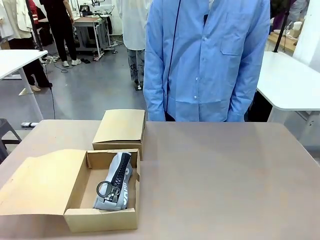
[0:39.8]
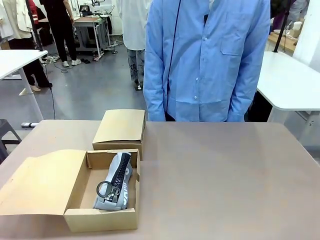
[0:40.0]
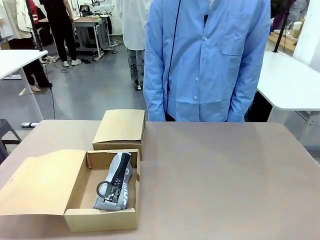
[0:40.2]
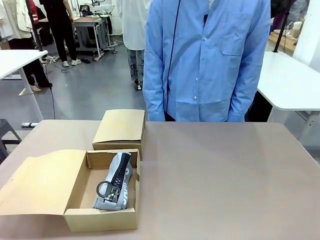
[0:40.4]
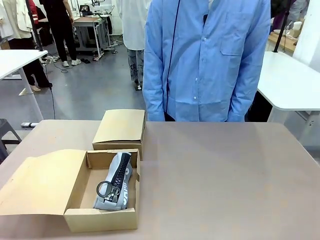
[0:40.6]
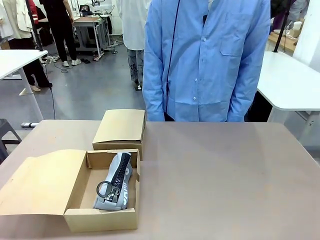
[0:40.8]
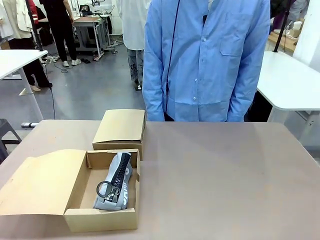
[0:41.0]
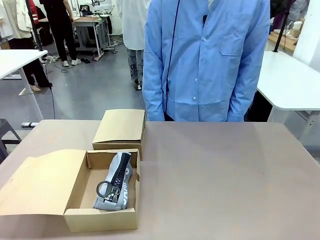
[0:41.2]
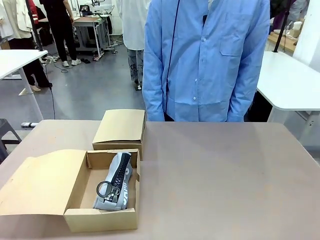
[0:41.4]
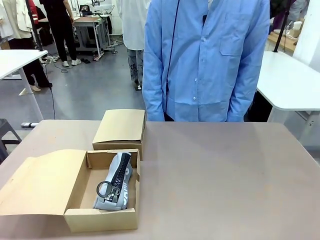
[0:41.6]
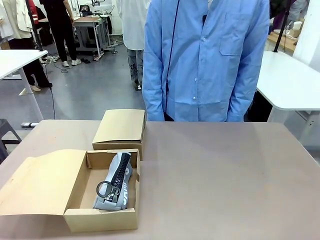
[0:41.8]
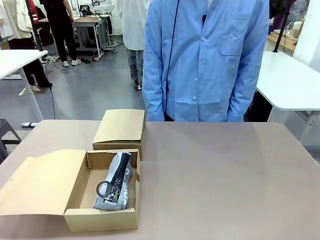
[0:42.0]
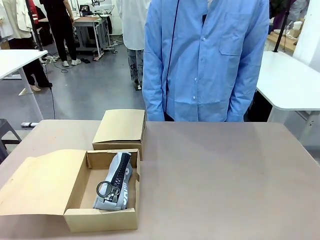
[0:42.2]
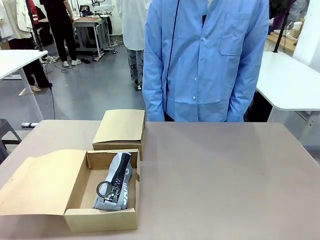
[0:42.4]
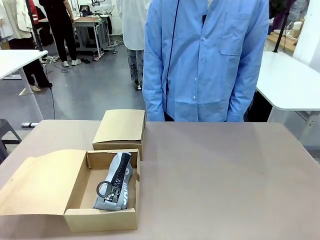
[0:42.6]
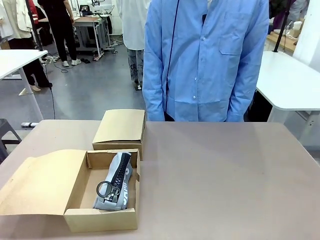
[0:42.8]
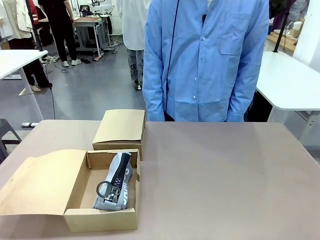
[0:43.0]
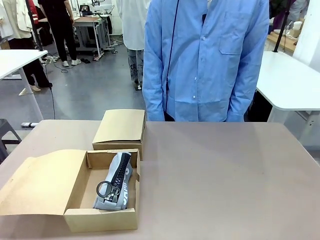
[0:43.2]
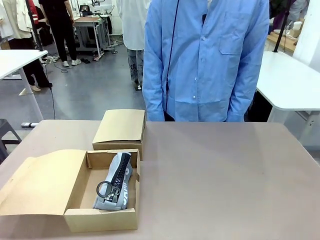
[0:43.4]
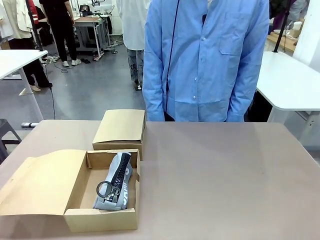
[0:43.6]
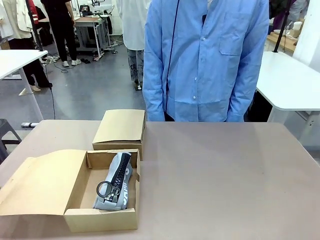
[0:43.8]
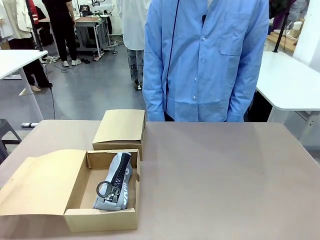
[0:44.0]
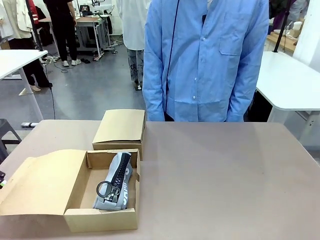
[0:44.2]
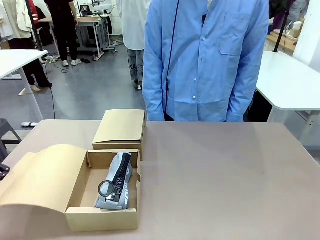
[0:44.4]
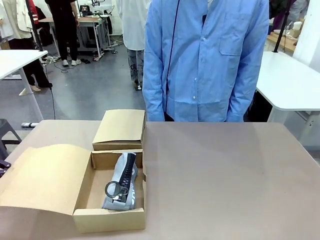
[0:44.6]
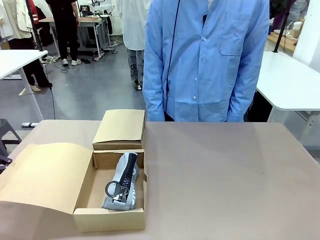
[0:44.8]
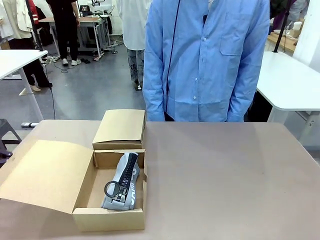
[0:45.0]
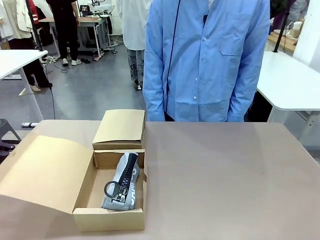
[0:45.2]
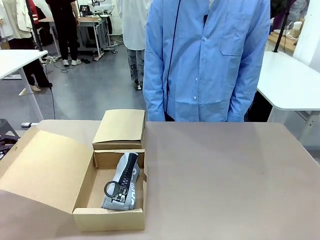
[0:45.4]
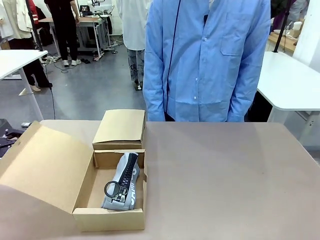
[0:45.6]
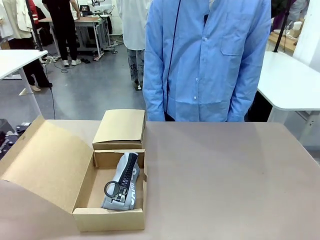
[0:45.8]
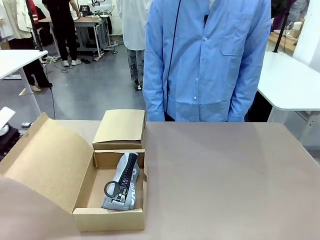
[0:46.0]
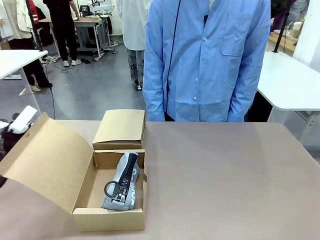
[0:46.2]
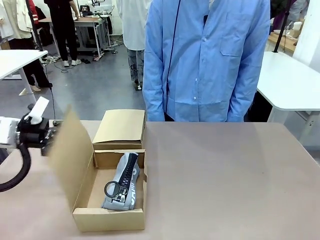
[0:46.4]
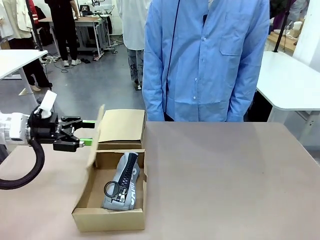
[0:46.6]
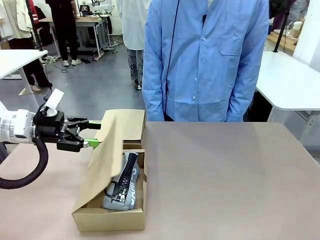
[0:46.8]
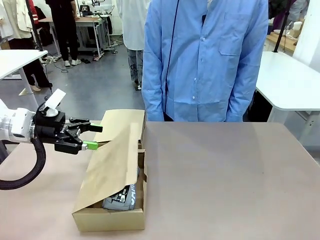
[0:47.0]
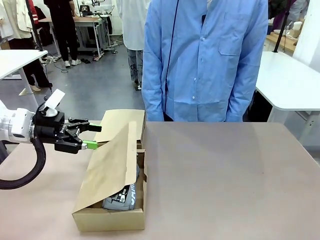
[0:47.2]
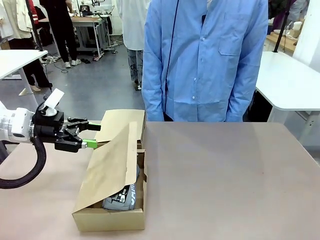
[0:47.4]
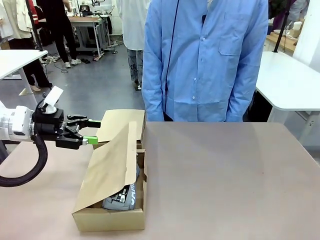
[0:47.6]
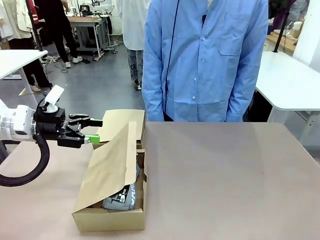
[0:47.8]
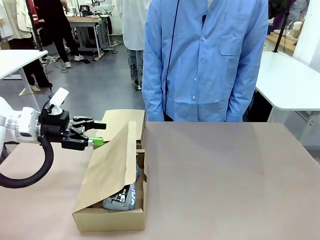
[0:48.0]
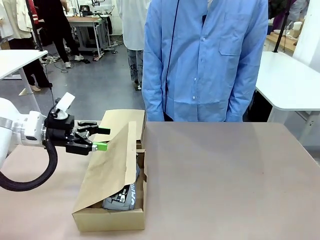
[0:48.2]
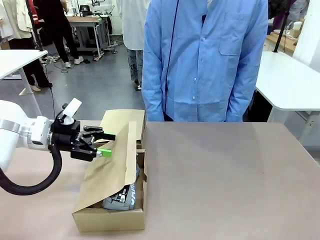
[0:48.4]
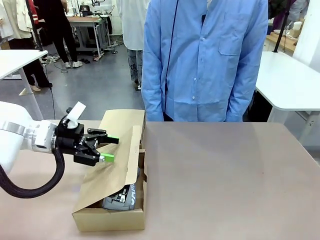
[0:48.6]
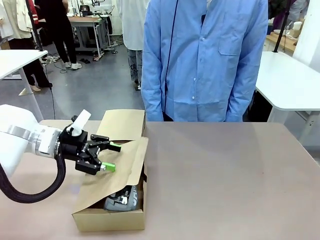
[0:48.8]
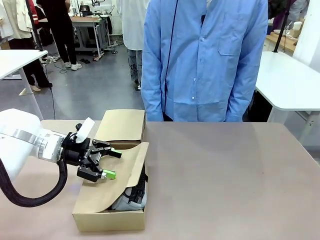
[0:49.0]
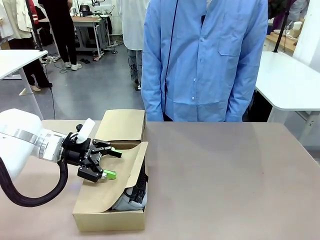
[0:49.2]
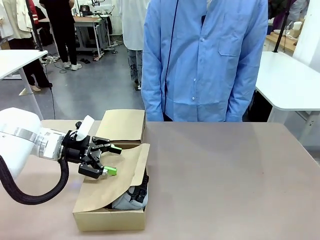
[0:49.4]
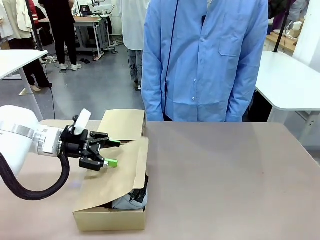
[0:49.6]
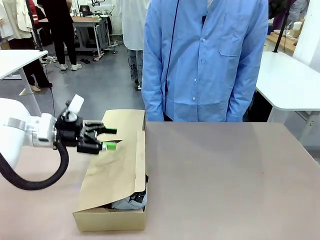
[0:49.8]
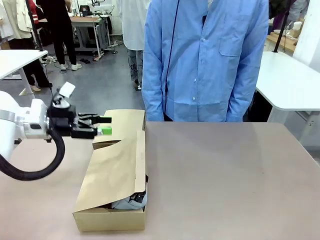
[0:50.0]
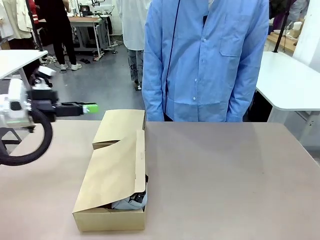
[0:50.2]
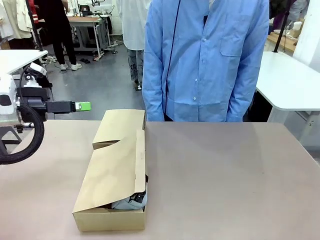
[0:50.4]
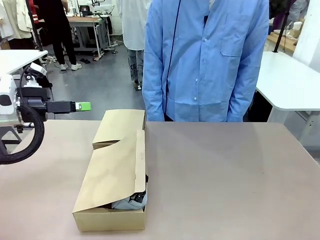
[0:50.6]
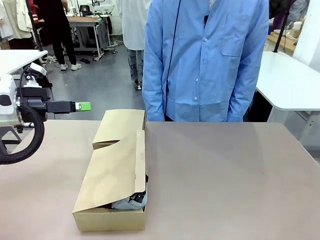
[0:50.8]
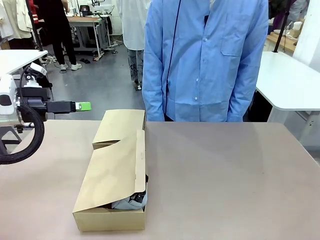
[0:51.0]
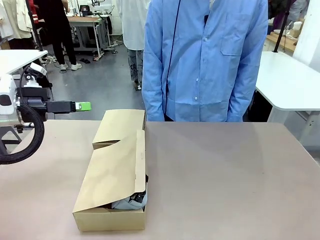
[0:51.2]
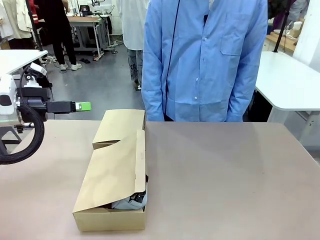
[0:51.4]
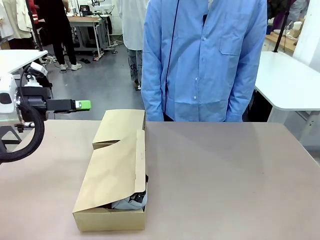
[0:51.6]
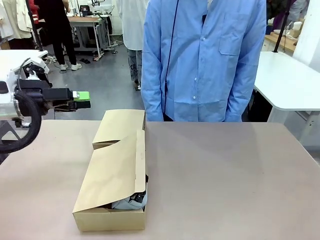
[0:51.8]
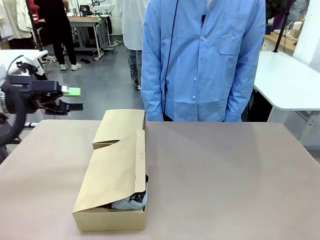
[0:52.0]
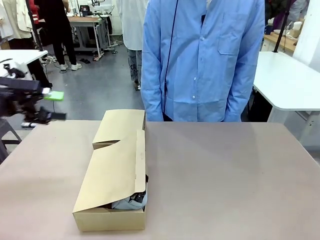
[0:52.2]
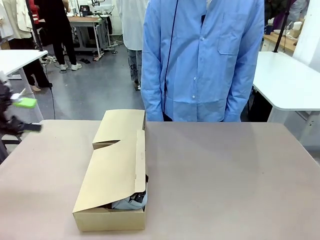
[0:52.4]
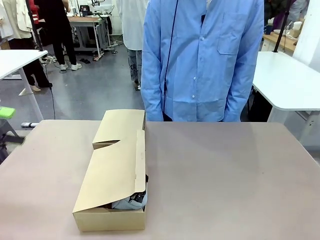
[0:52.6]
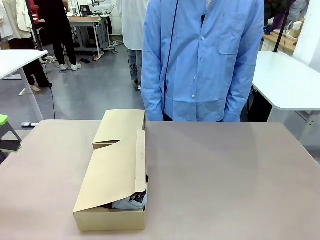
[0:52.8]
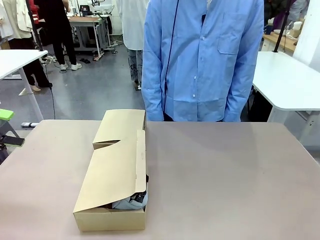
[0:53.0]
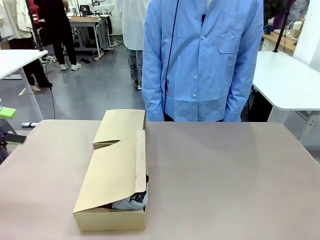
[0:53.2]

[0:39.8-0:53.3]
Task: Place items inside the box.
Robot: Close the lid of the Mailer Box closest to the robot.
Person: Close the lid of the box facing the person.

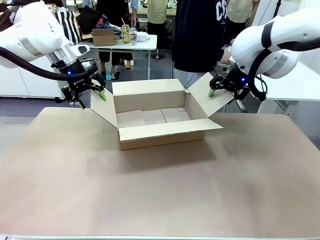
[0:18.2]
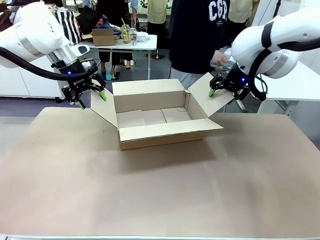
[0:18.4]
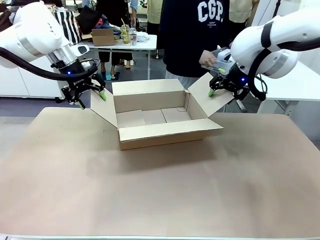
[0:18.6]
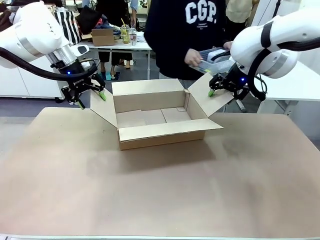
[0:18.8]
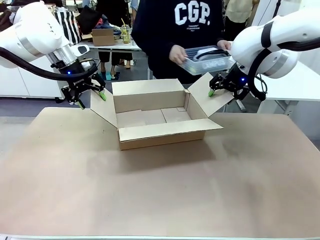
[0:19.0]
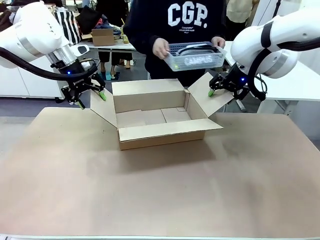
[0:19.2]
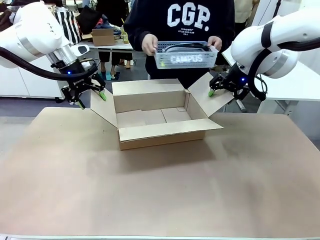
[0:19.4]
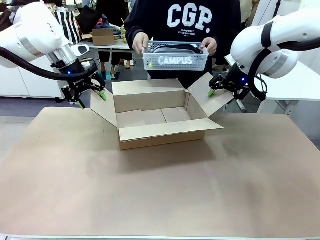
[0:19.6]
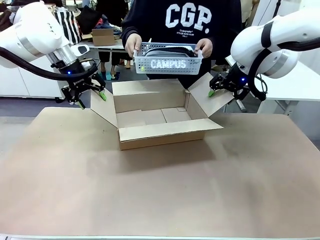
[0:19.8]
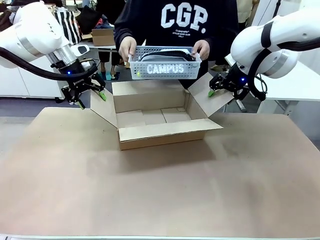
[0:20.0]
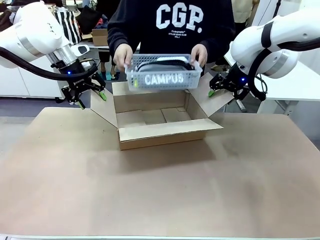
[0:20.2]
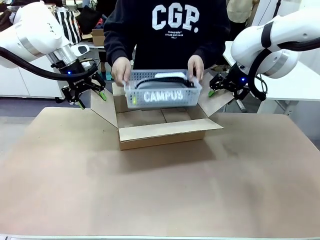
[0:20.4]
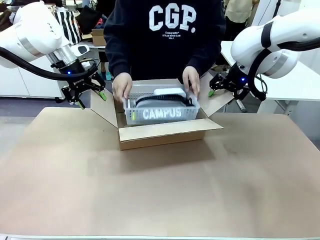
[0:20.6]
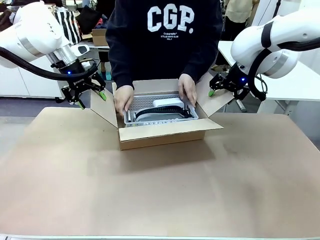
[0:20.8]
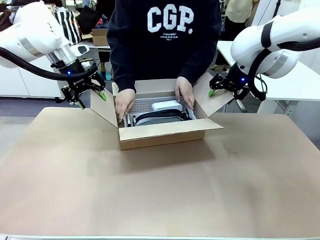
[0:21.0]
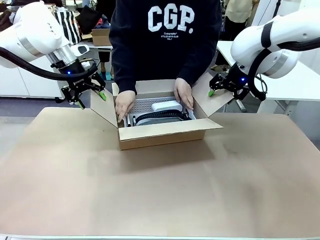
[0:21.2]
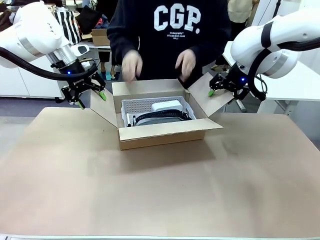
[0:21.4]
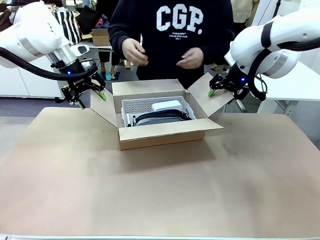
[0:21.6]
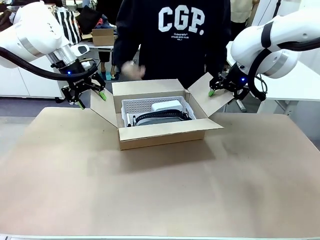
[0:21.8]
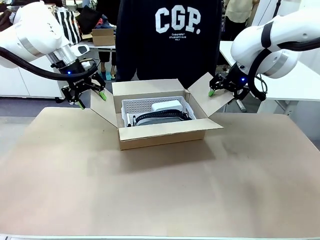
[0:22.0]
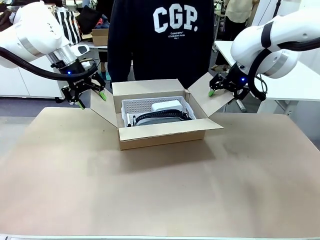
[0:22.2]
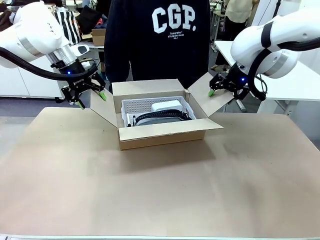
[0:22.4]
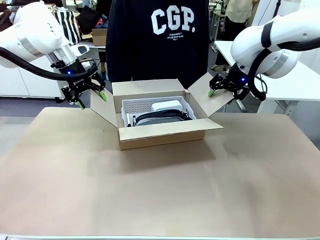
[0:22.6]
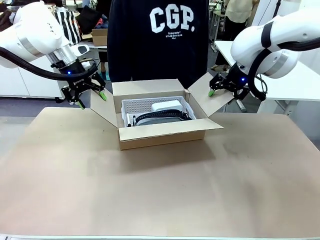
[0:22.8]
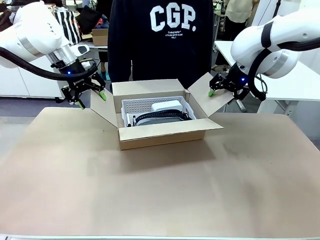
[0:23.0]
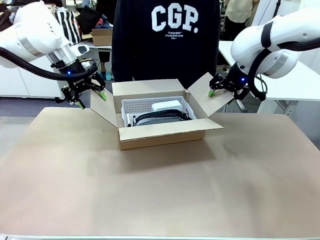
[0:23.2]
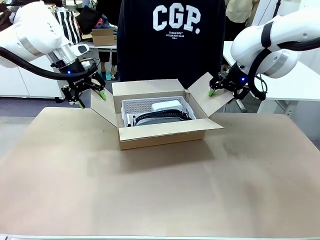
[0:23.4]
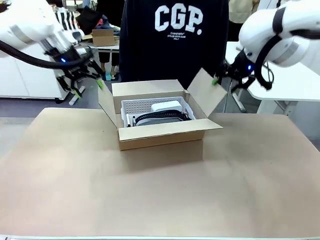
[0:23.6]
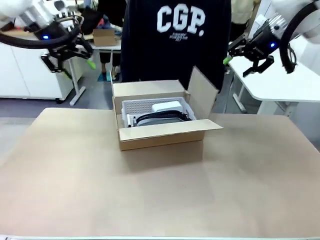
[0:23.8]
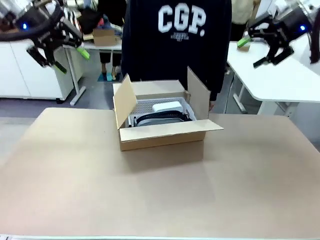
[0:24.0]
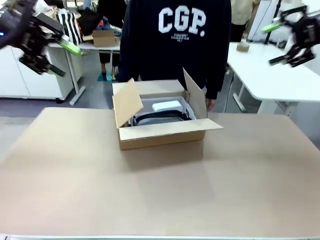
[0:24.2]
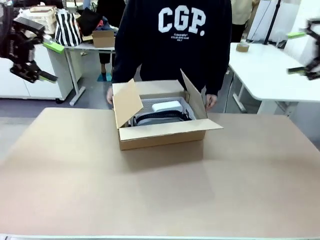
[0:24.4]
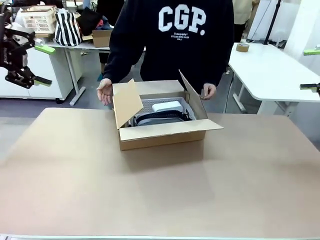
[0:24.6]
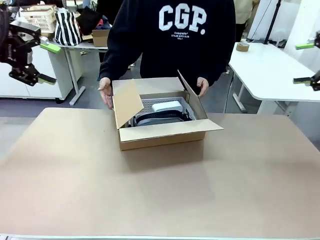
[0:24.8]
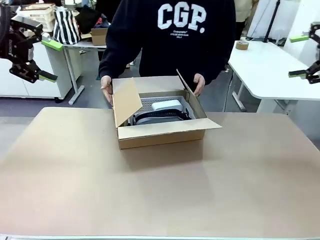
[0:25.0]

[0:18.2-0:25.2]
Task: Pack the gift set into the box.
Robot: Lift both hands away from the flaps of the Package Box.
Person: The human picks up the organizing basket and places the organizing basket into the package box on the robot table.
